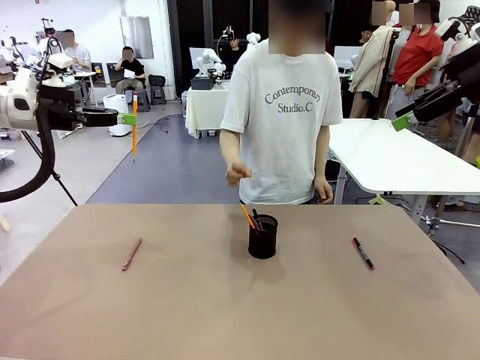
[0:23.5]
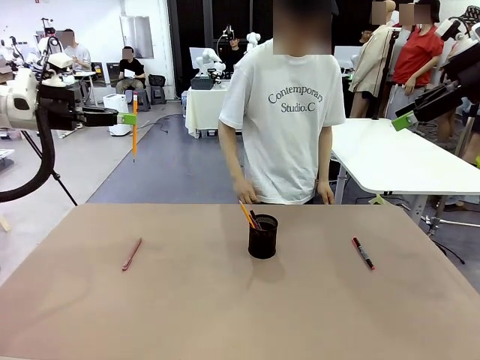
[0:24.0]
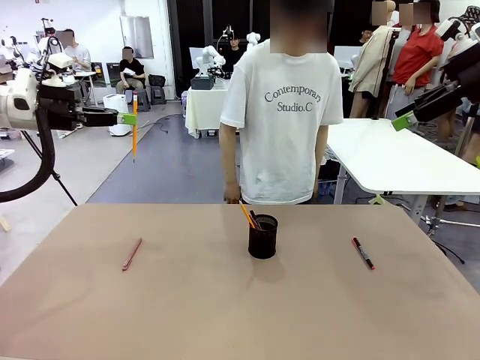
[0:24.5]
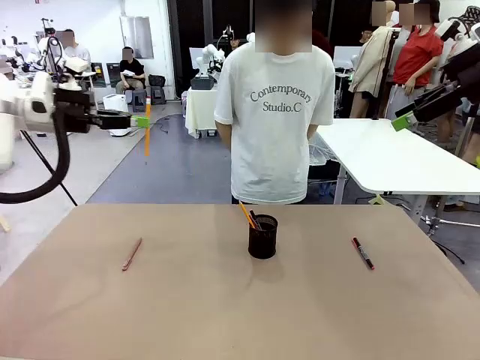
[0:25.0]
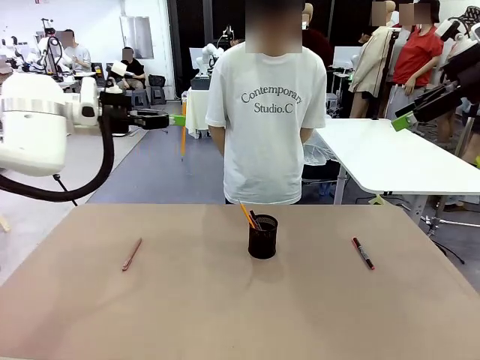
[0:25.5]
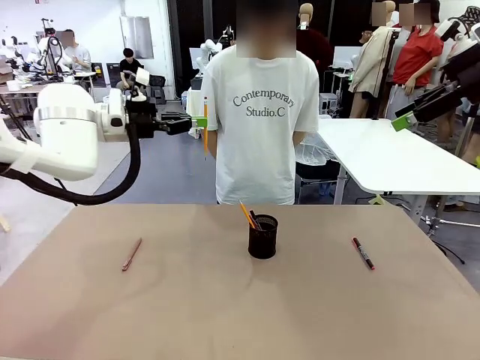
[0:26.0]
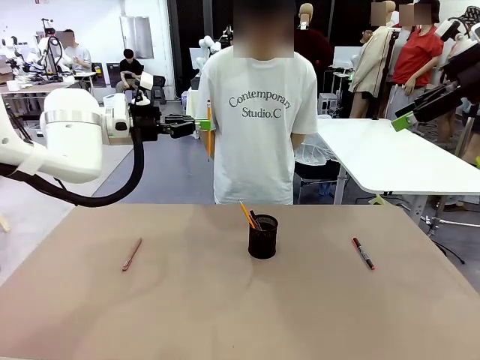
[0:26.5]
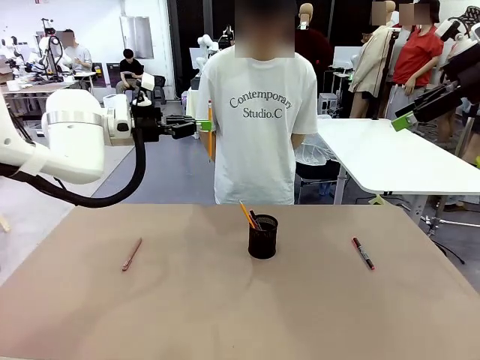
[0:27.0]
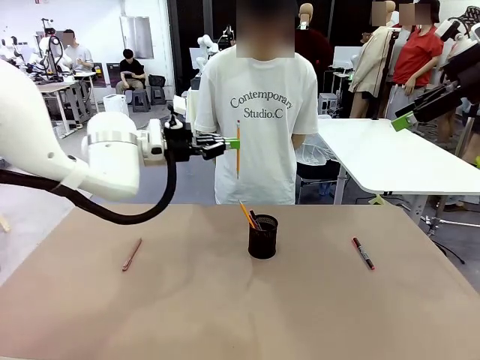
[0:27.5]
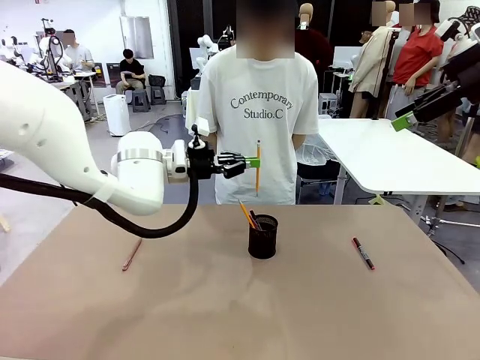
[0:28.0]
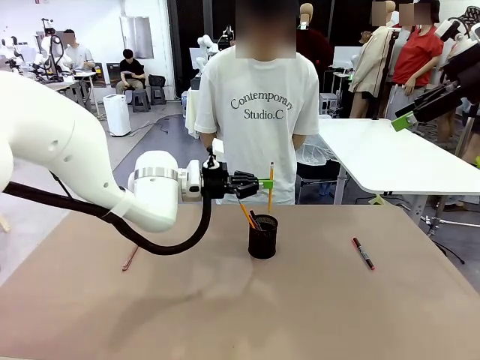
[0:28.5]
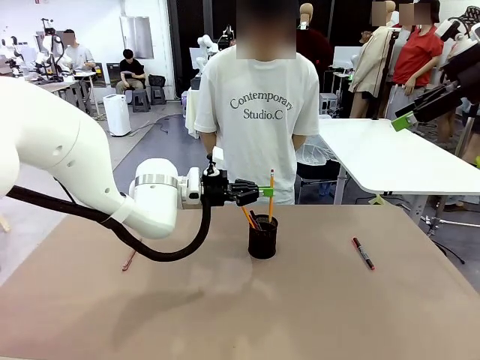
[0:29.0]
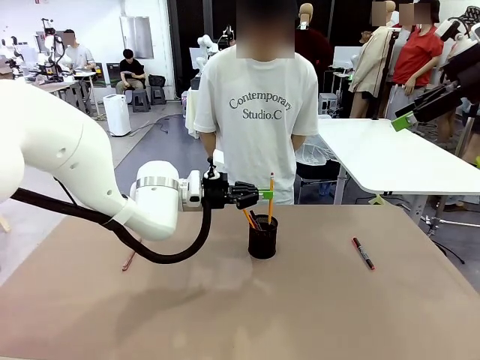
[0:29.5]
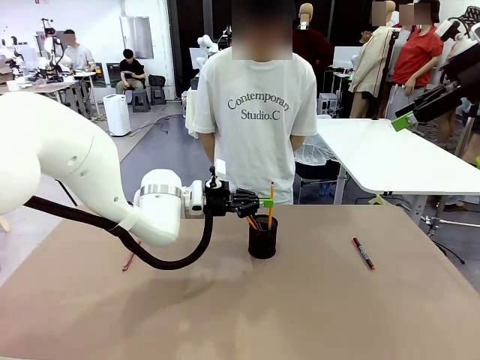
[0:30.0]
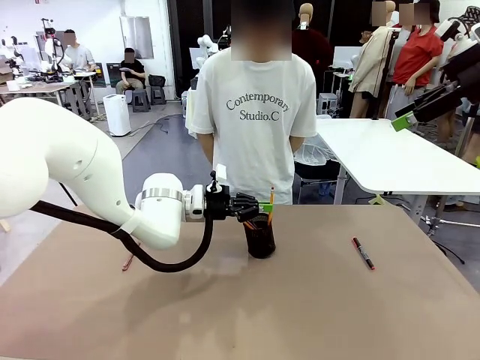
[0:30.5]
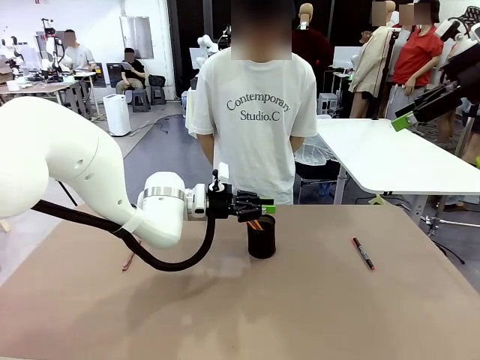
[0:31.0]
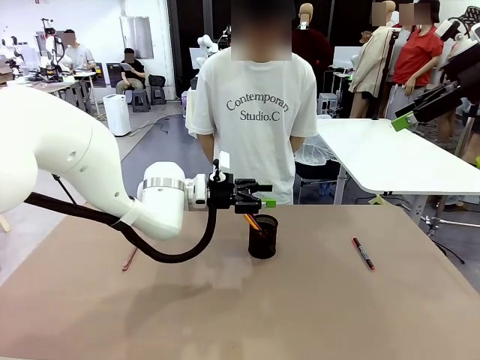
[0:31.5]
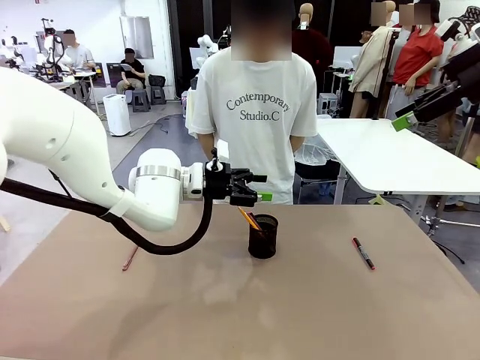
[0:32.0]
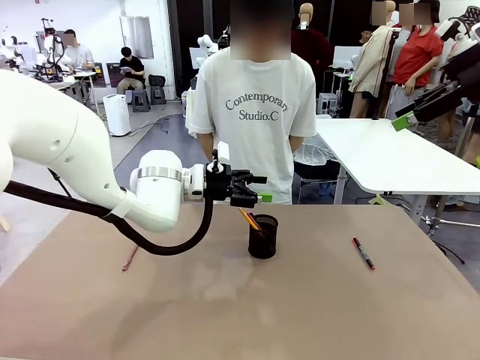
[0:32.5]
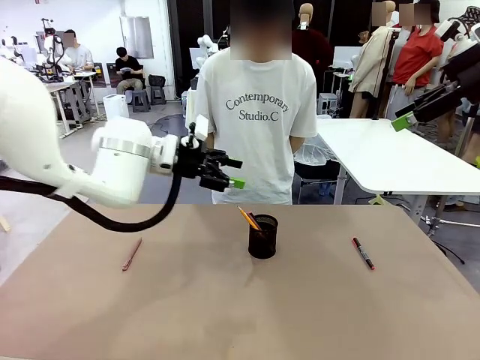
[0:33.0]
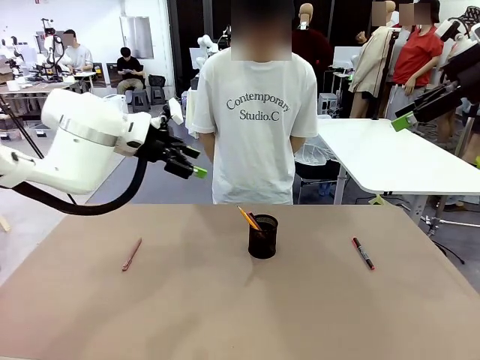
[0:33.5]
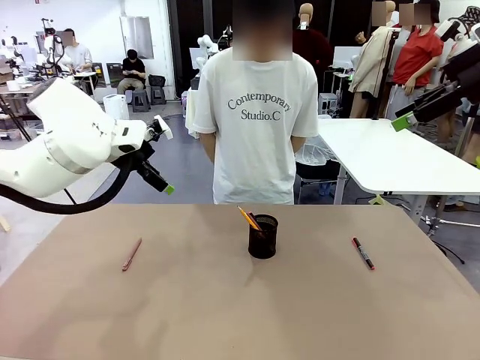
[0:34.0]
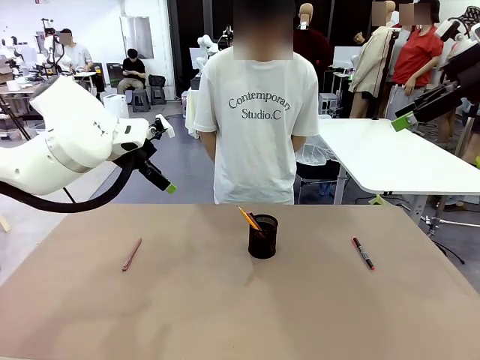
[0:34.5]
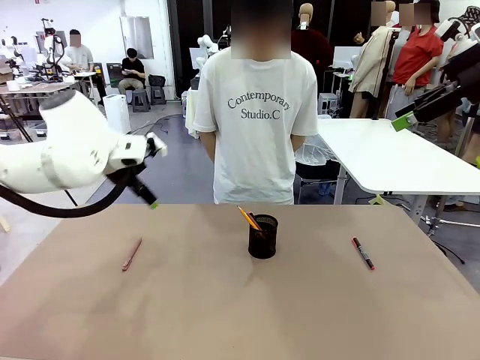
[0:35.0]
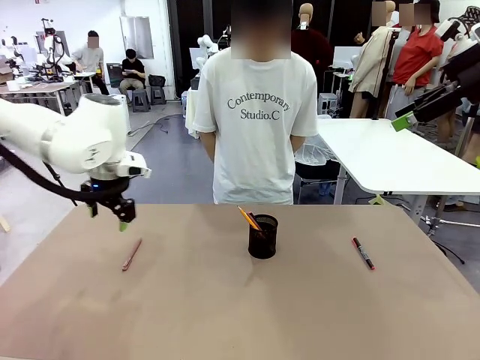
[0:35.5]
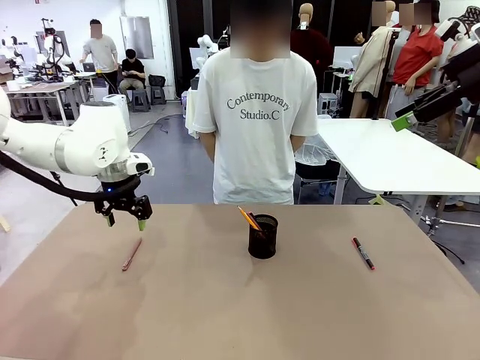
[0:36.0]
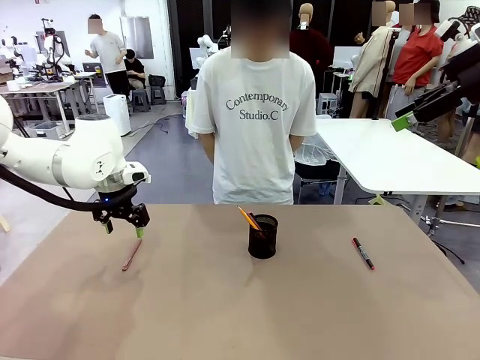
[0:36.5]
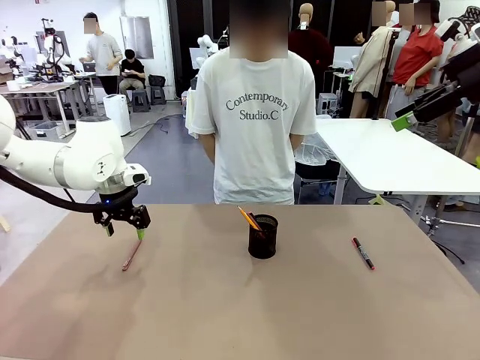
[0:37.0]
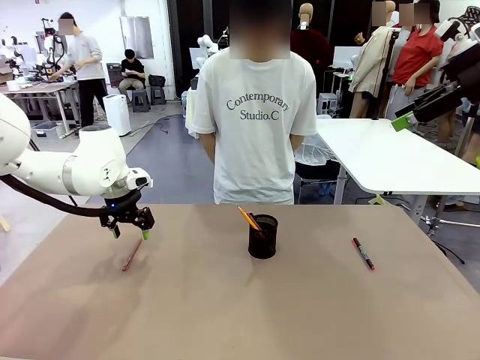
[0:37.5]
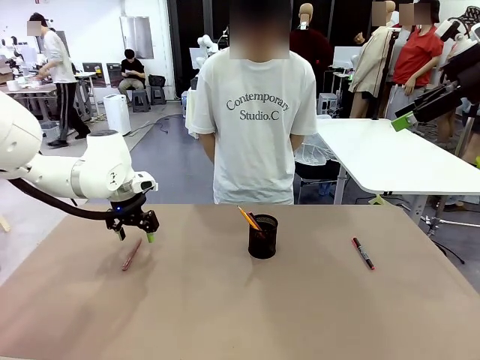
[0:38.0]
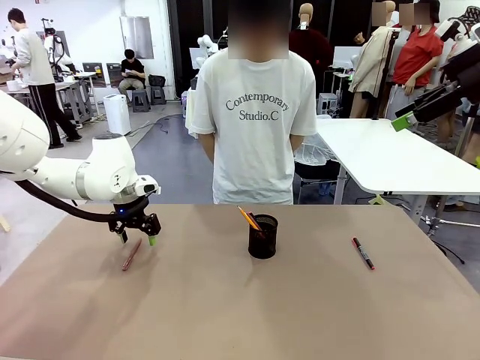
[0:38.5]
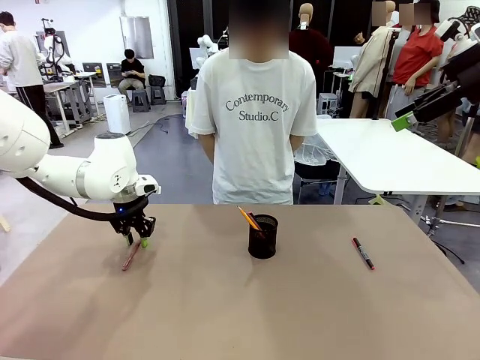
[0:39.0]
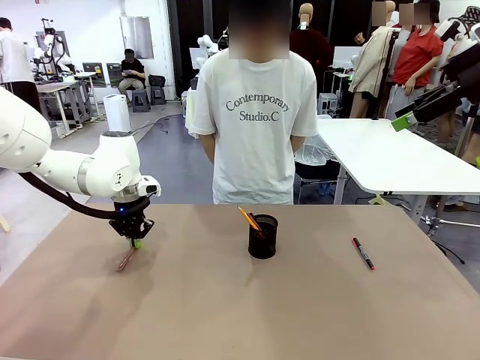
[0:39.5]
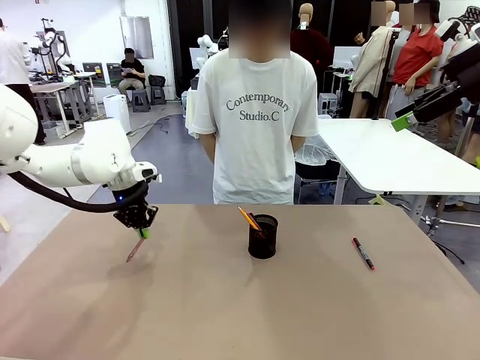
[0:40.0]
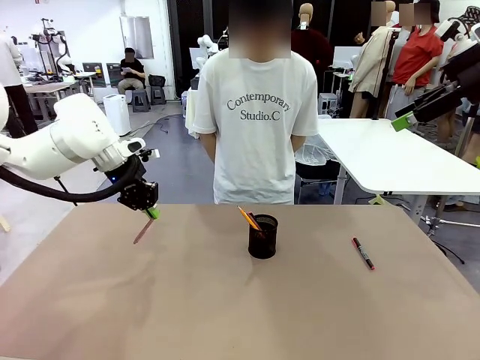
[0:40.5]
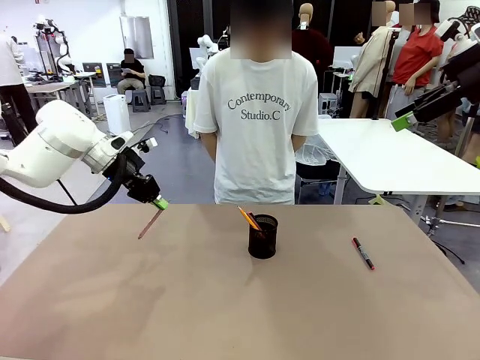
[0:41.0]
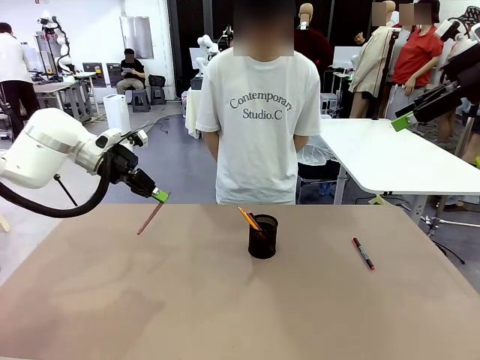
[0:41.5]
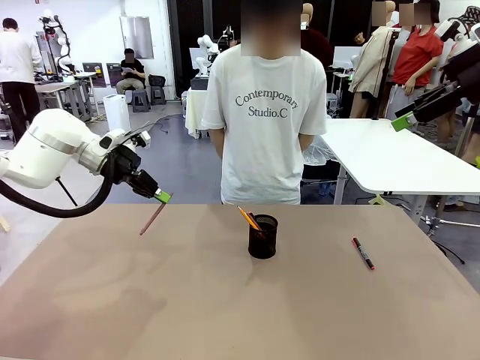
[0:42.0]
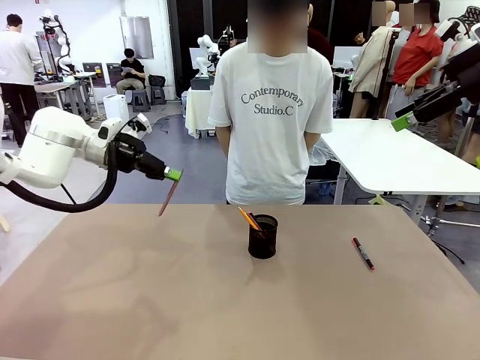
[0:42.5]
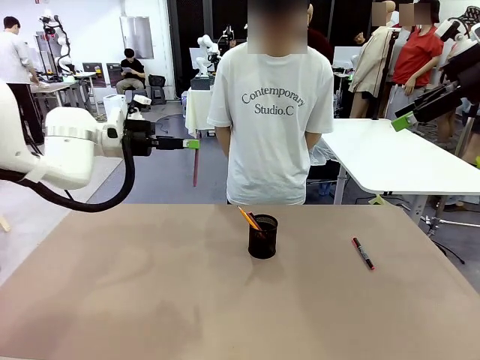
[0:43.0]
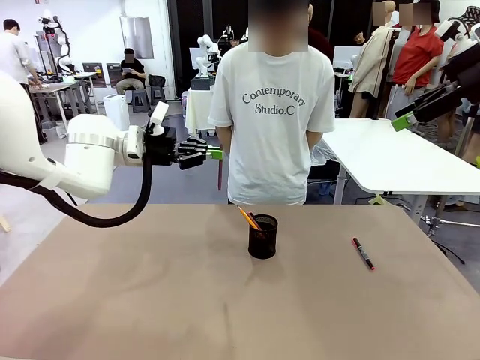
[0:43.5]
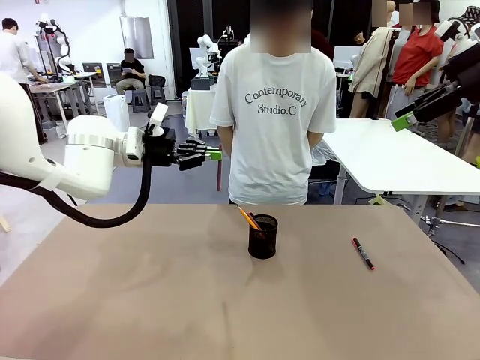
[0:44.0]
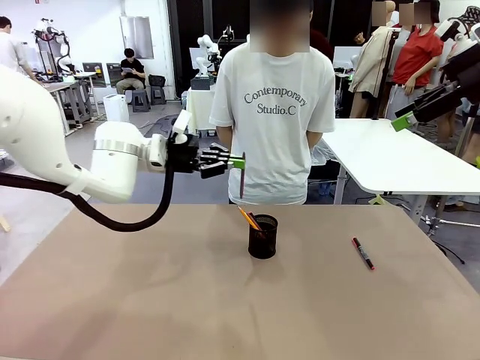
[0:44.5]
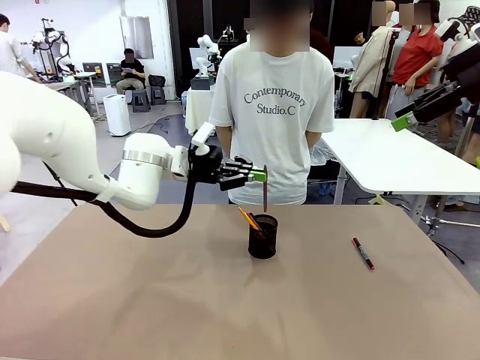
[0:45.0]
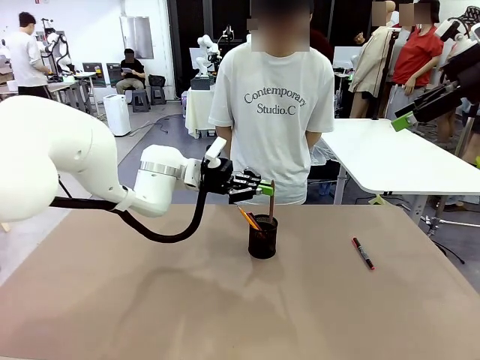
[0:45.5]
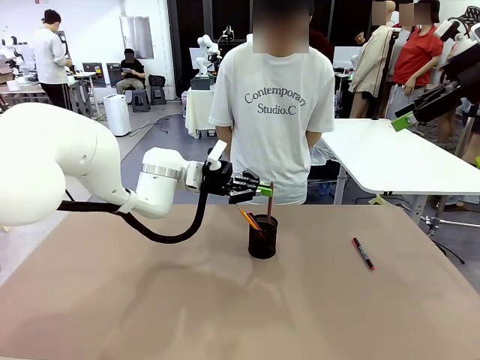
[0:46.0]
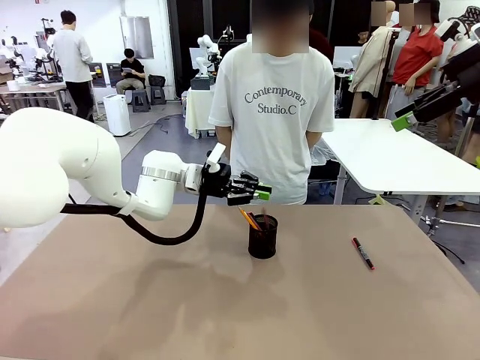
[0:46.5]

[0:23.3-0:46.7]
Task: Place the pens into the pen holder.
Robot: Pick up a writing instrument from the table and place it into the Pen holder.
